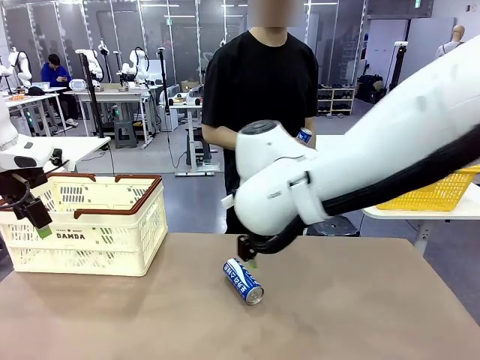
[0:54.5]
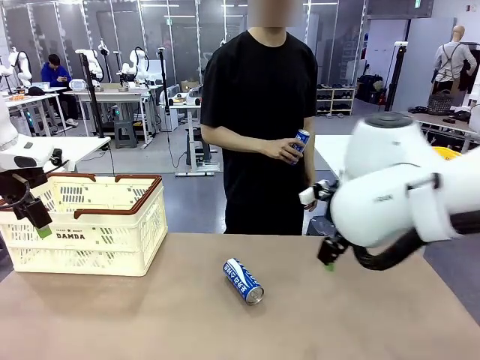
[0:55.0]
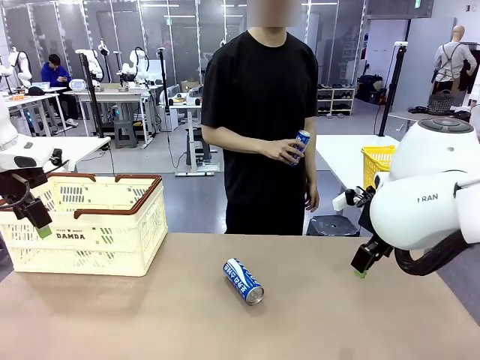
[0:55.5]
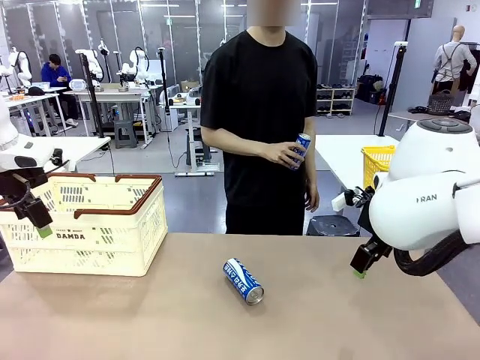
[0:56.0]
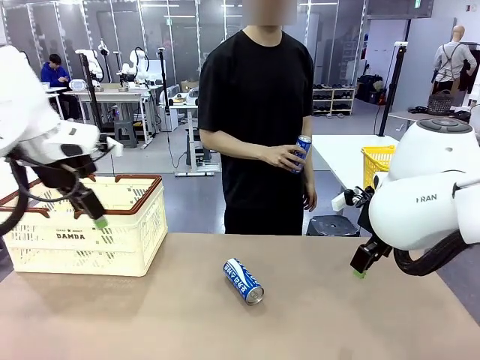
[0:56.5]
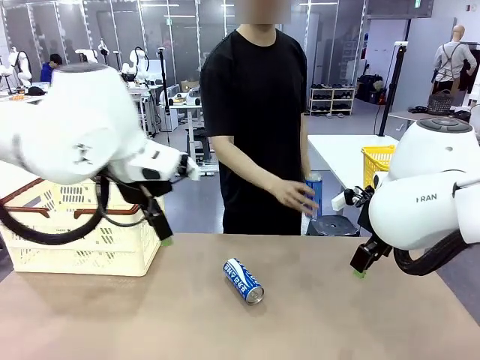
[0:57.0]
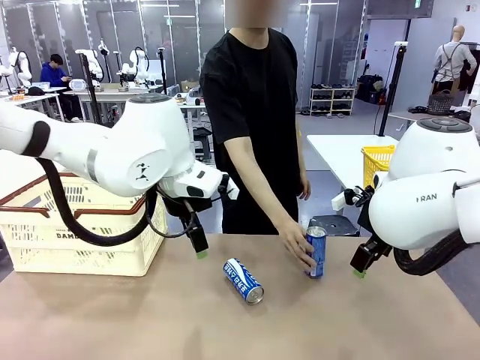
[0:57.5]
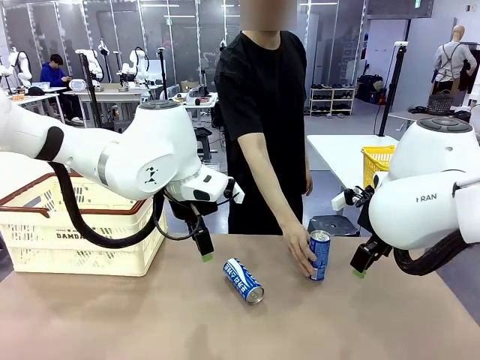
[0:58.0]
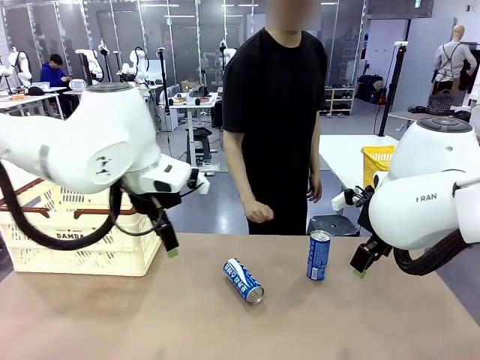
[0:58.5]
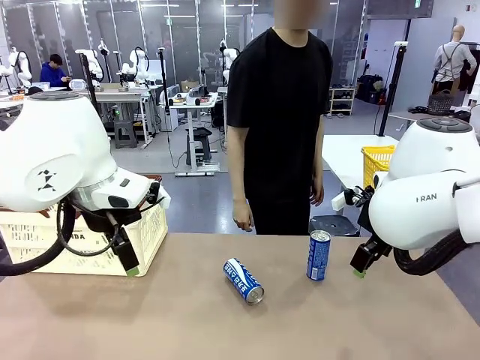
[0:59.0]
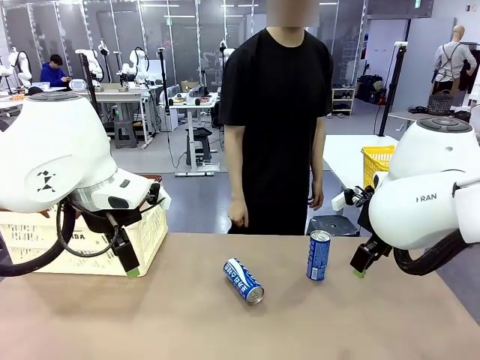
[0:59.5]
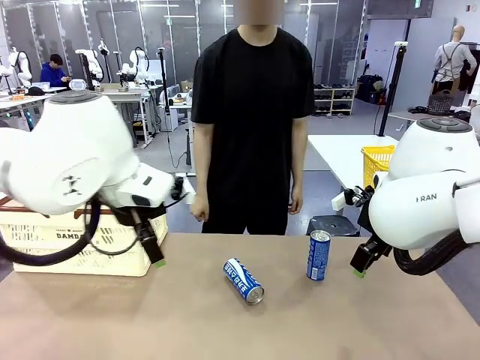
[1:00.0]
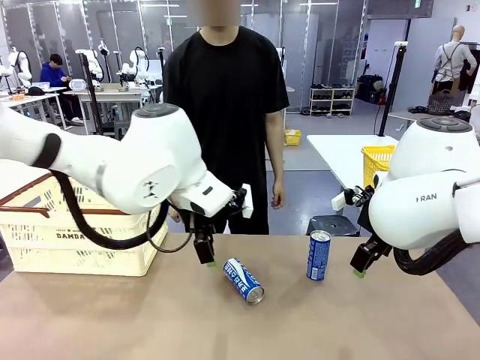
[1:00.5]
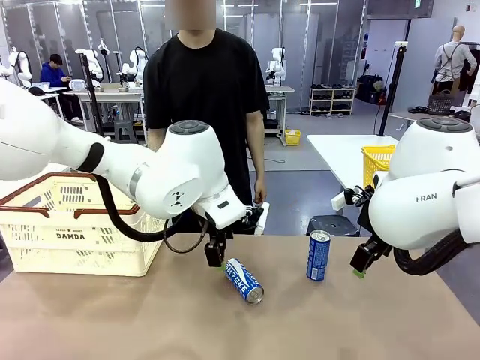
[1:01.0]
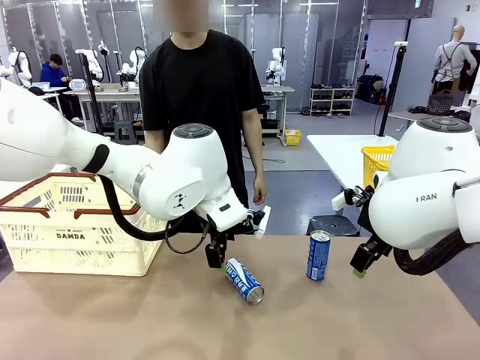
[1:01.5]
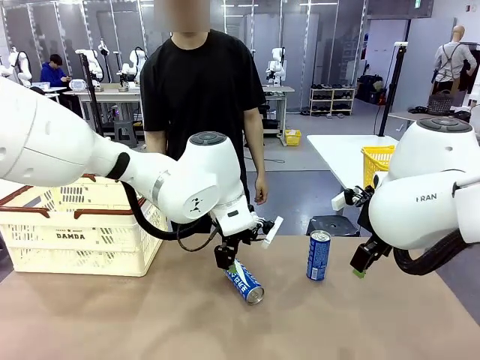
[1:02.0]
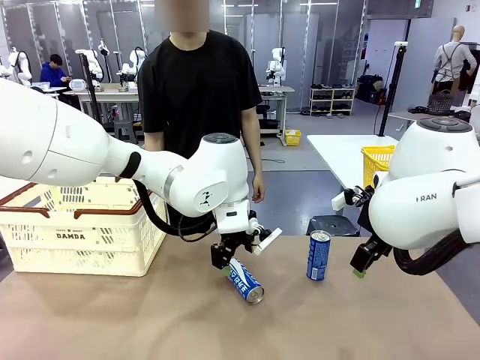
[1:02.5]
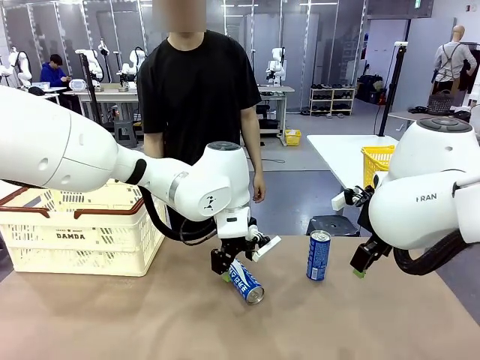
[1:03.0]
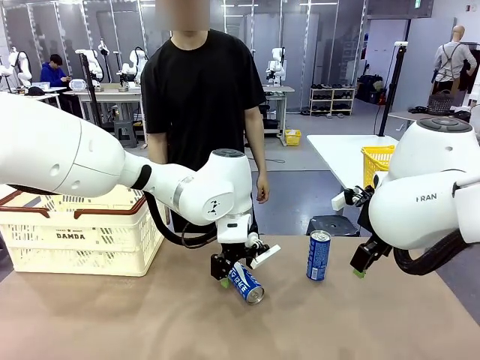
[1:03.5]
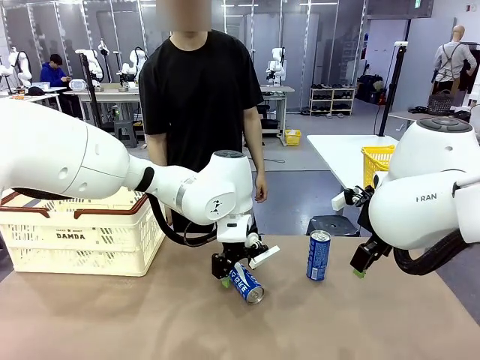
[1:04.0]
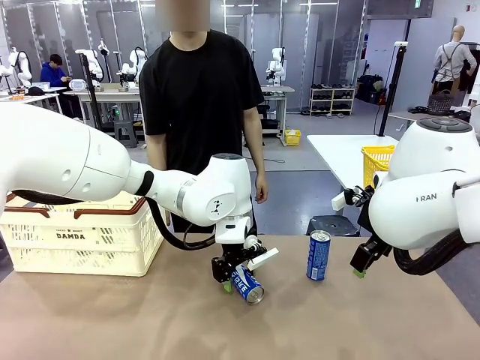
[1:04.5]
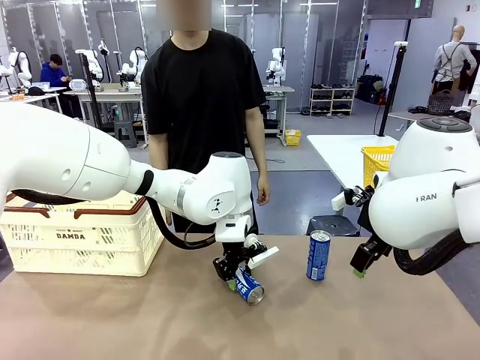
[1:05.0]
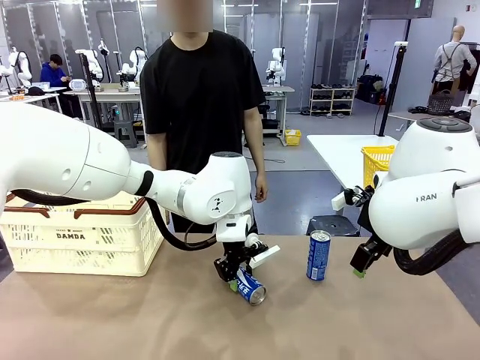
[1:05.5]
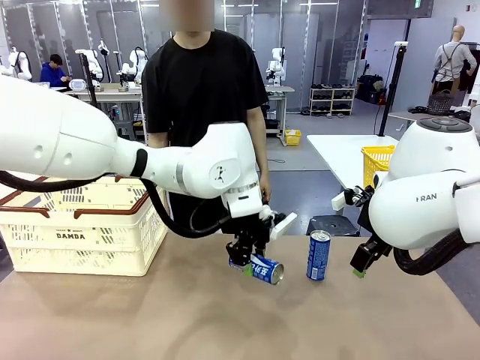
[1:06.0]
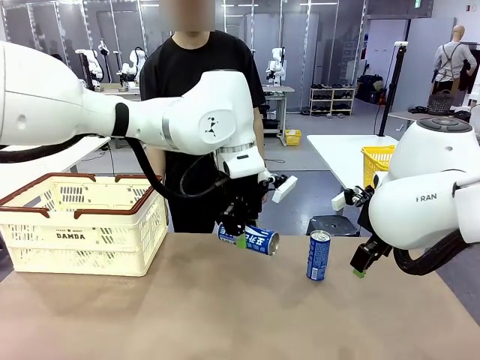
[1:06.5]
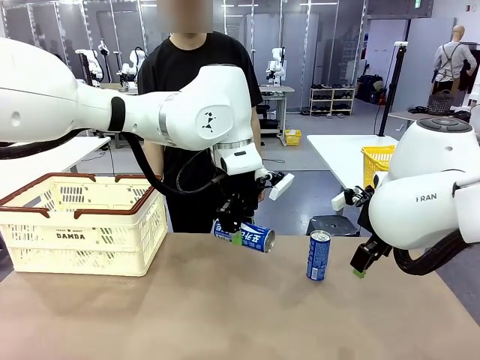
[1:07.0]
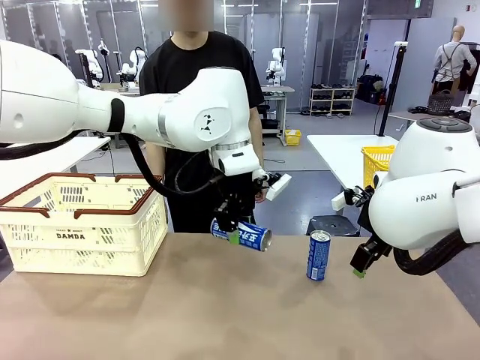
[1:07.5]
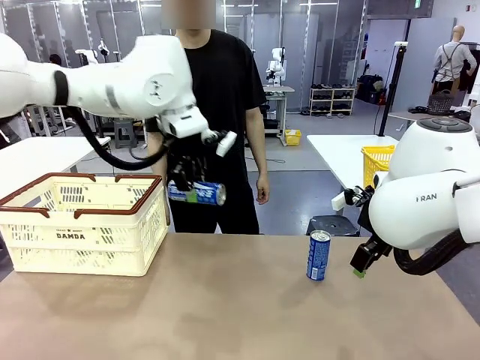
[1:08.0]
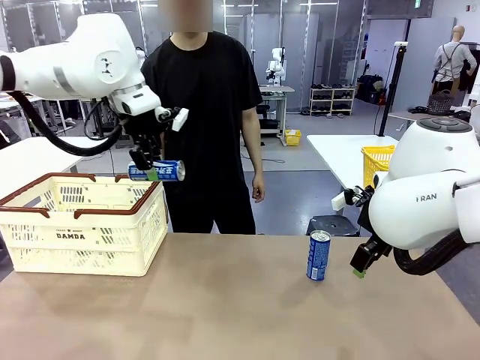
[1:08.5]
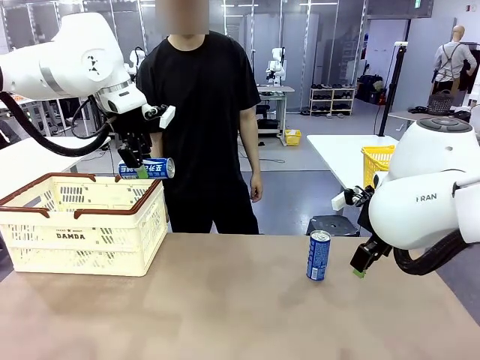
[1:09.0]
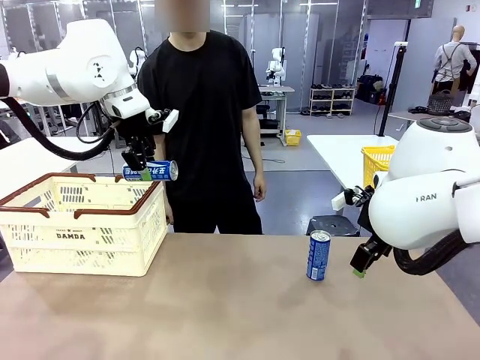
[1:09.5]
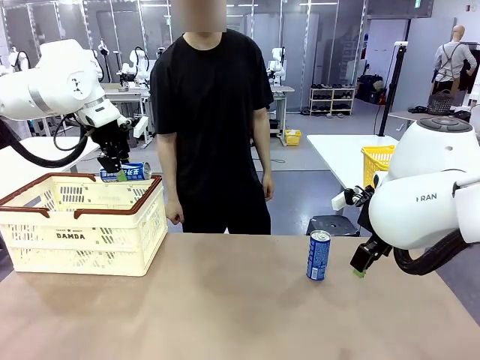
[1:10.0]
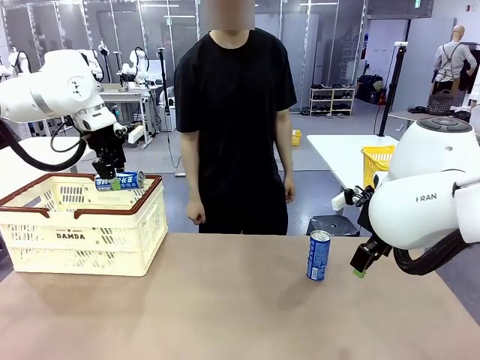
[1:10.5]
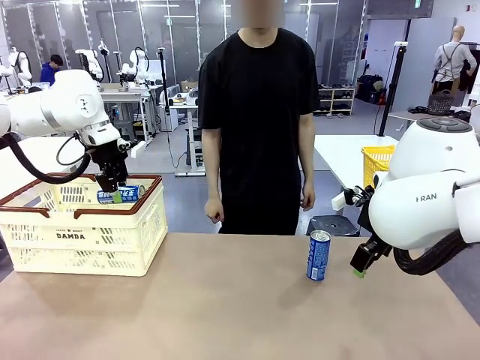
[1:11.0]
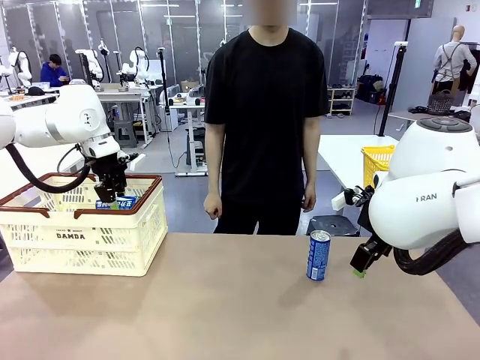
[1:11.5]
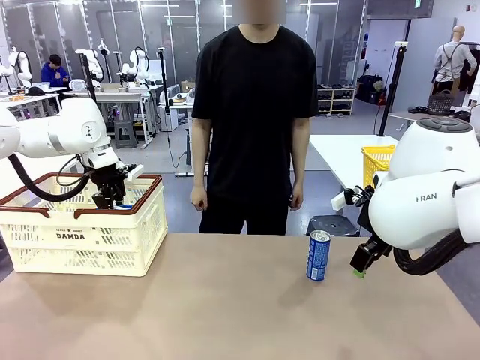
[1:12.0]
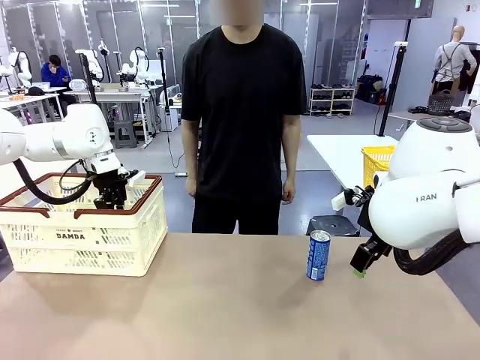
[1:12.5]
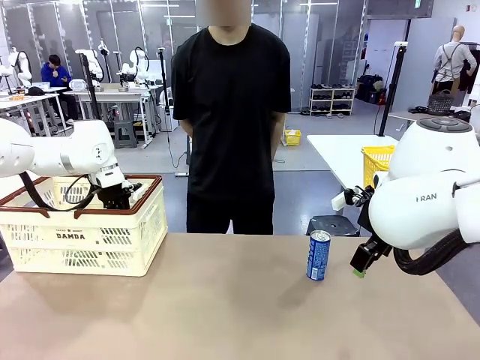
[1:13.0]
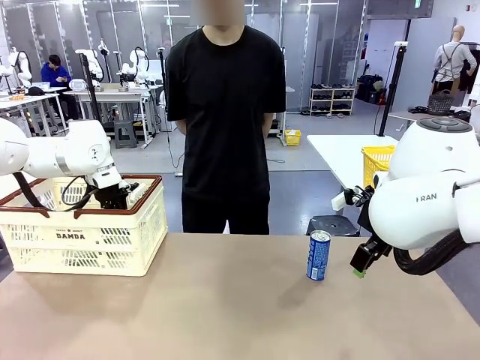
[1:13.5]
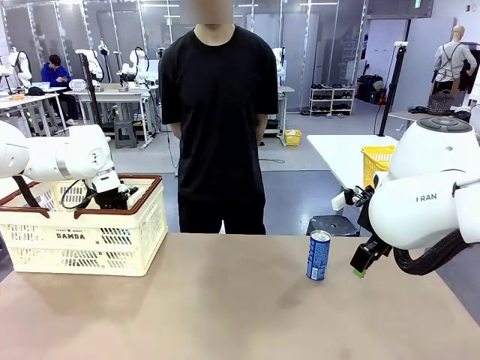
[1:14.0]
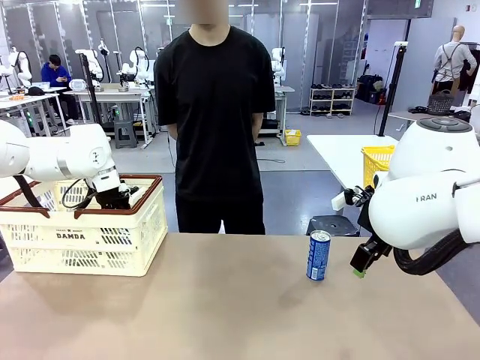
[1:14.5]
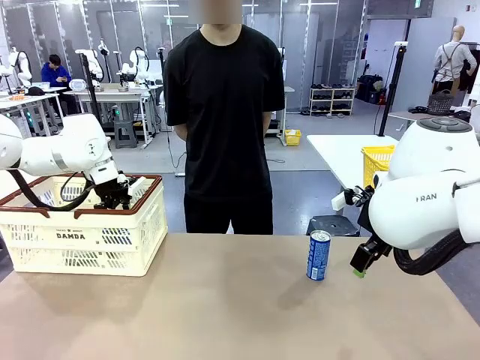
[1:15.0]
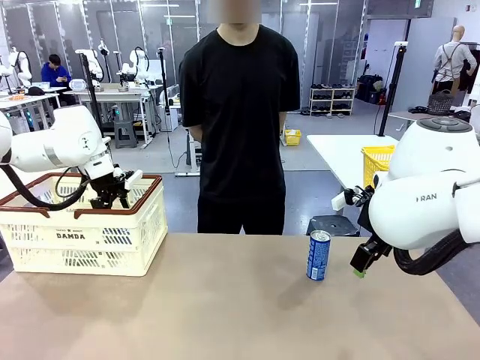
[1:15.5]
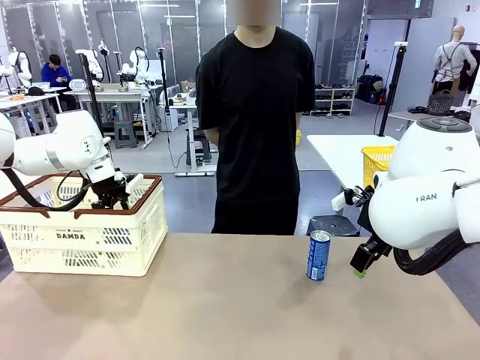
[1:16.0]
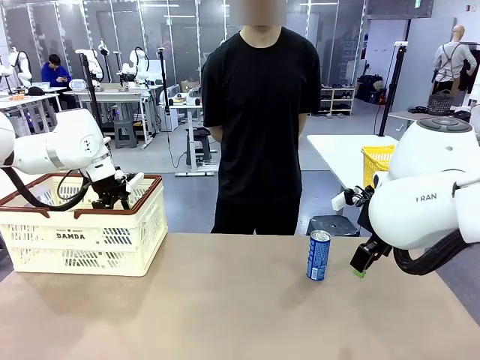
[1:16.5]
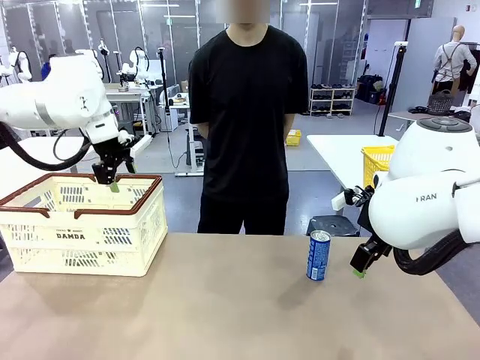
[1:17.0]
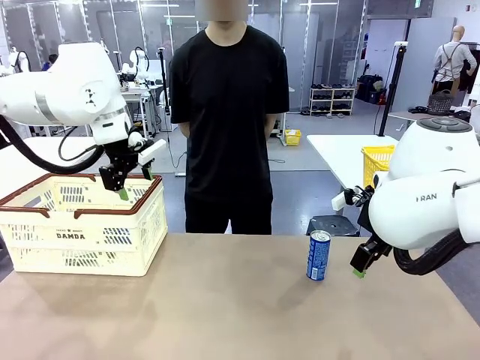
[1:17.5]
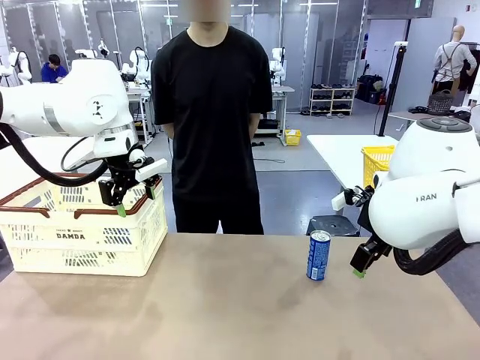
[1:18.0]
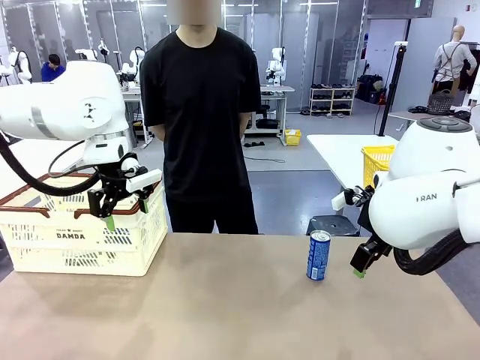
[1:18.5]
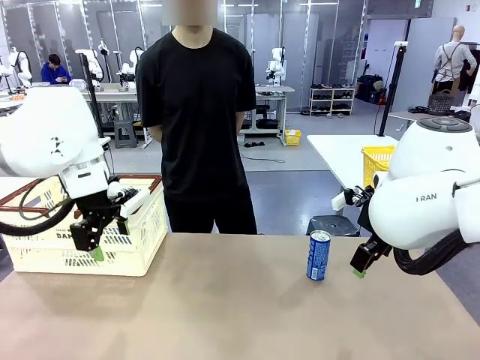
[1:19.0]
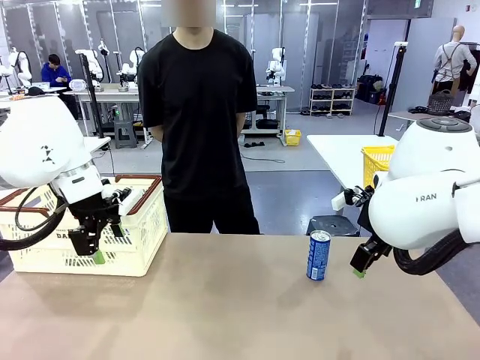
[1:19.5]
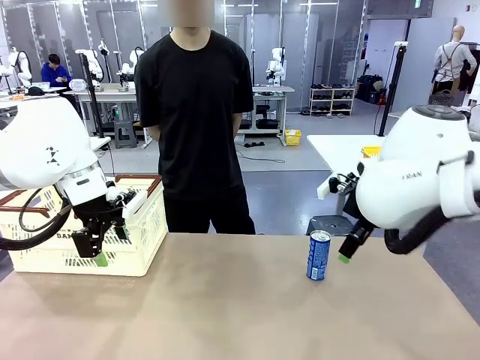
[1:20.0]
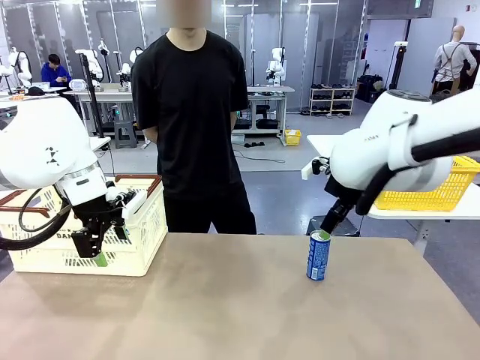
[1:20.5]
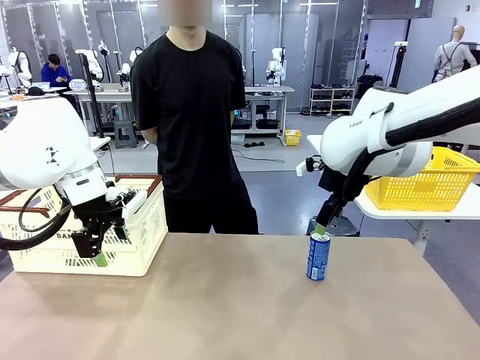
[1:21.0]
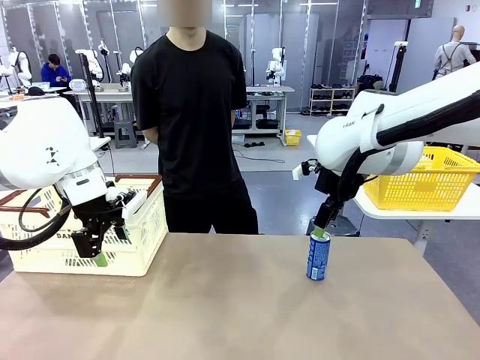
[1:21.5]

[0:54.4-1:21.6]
Task: Place the drinks into the Shopping basket.
Robot: Pick up one drink and place it into the Shopping basket.
